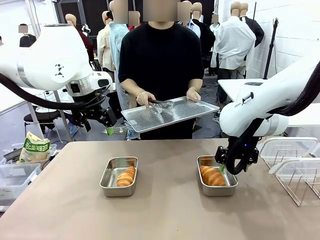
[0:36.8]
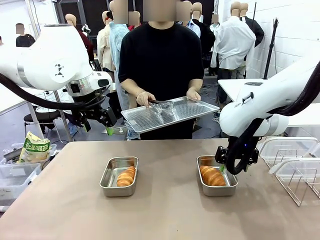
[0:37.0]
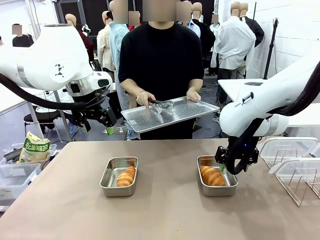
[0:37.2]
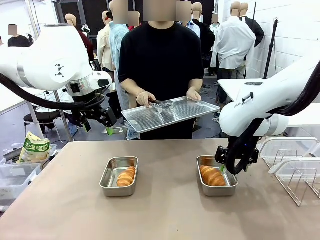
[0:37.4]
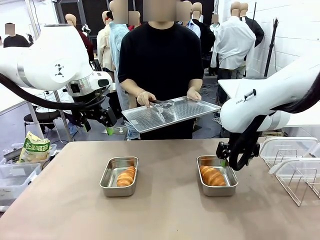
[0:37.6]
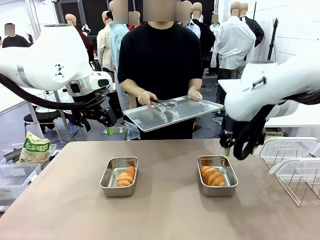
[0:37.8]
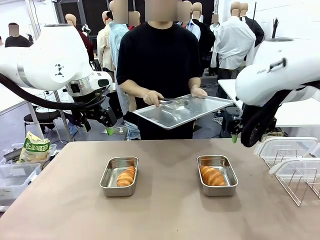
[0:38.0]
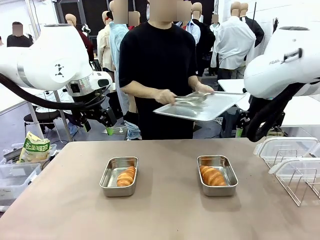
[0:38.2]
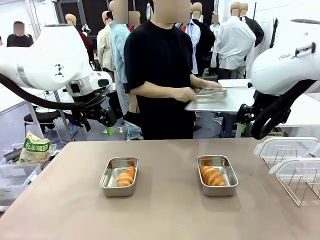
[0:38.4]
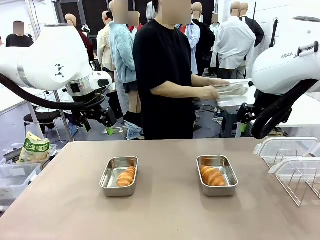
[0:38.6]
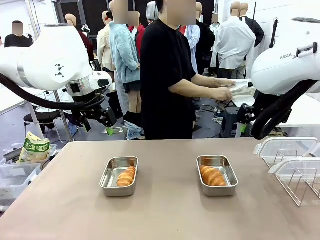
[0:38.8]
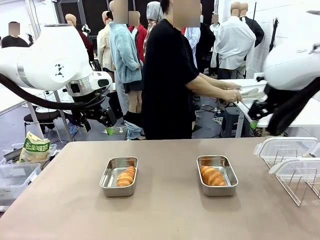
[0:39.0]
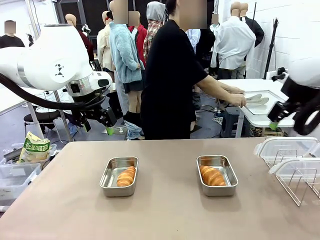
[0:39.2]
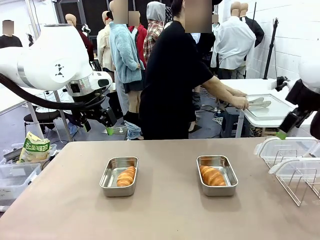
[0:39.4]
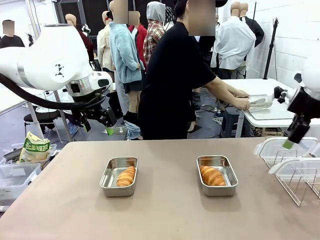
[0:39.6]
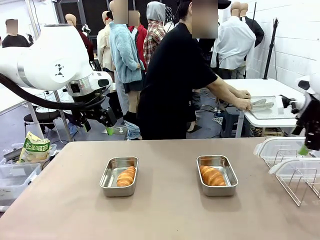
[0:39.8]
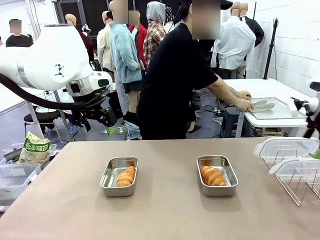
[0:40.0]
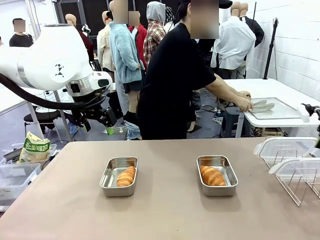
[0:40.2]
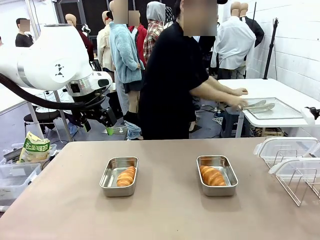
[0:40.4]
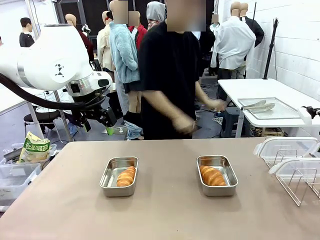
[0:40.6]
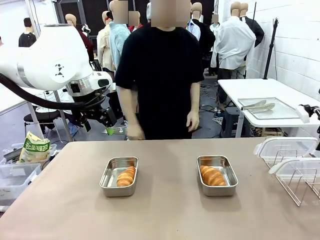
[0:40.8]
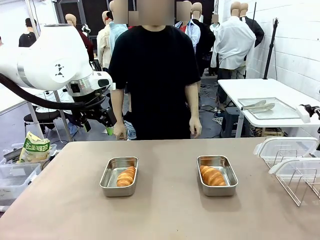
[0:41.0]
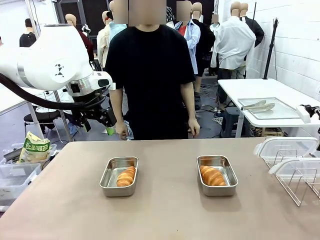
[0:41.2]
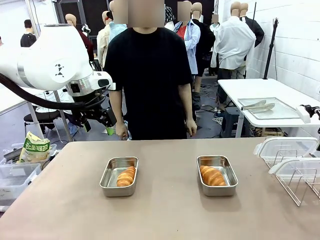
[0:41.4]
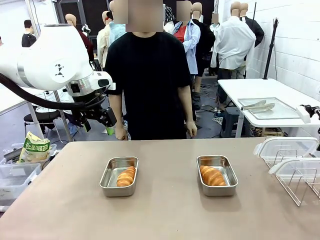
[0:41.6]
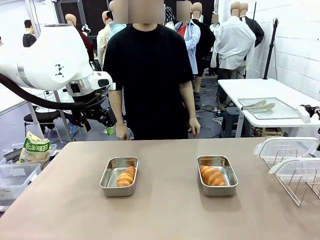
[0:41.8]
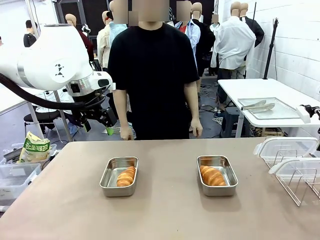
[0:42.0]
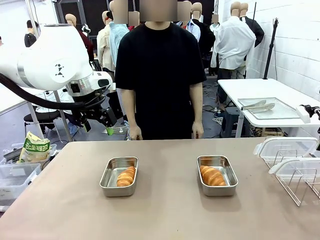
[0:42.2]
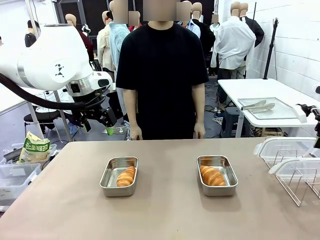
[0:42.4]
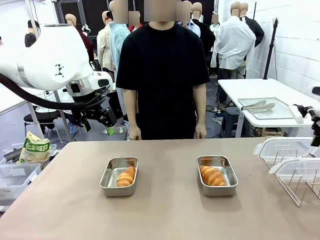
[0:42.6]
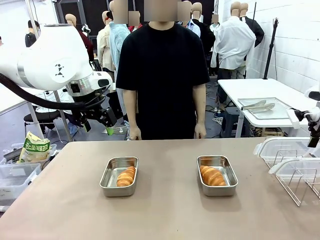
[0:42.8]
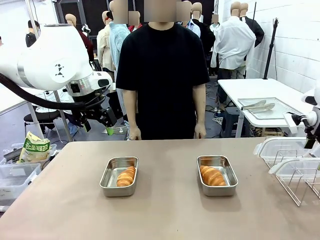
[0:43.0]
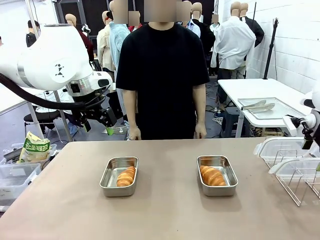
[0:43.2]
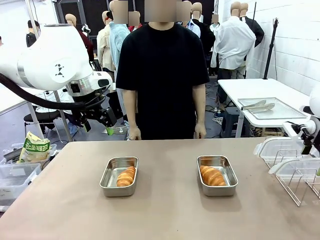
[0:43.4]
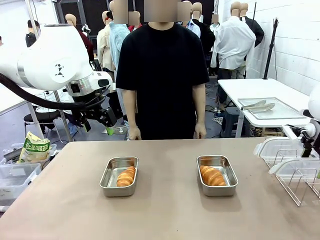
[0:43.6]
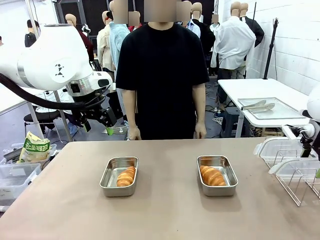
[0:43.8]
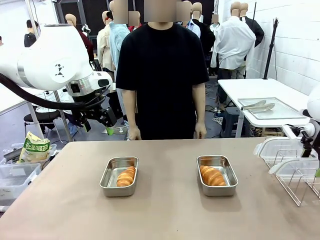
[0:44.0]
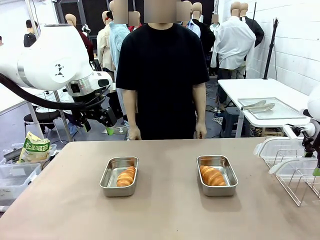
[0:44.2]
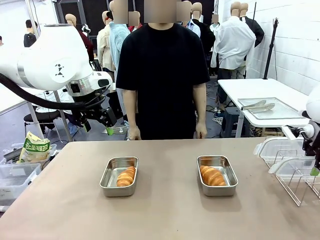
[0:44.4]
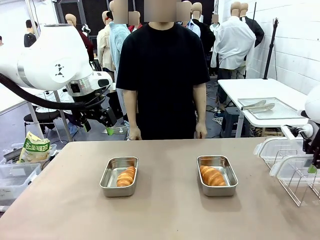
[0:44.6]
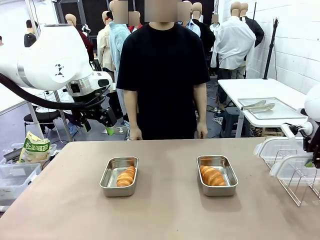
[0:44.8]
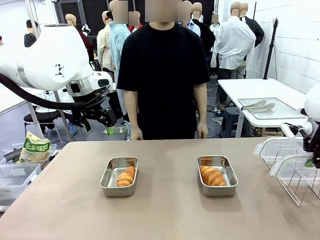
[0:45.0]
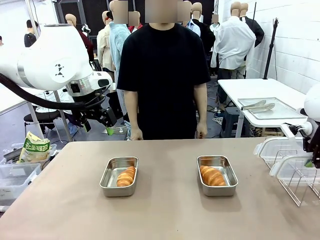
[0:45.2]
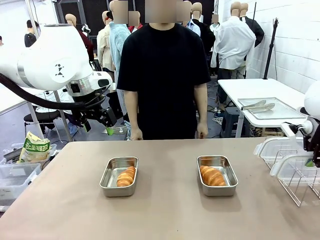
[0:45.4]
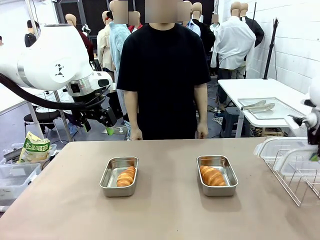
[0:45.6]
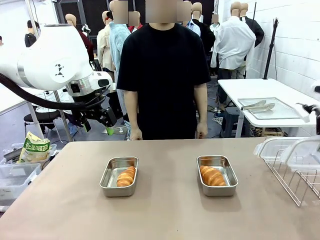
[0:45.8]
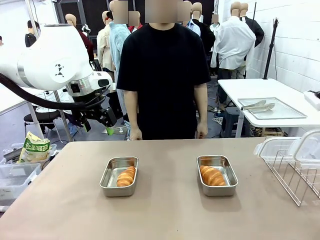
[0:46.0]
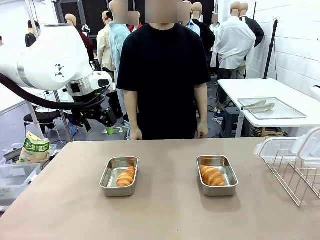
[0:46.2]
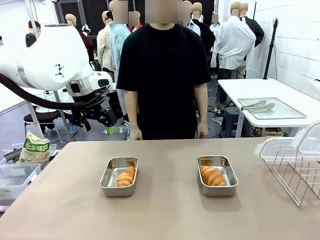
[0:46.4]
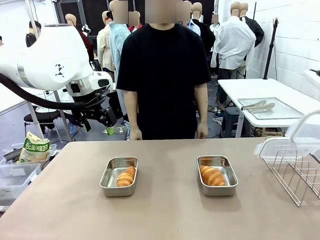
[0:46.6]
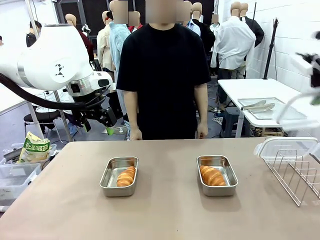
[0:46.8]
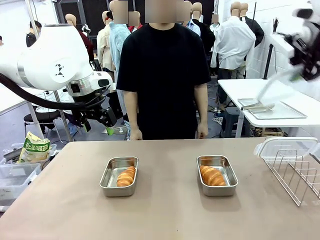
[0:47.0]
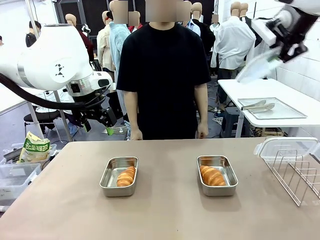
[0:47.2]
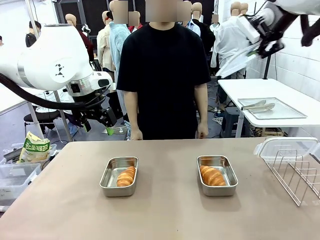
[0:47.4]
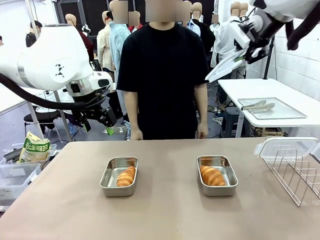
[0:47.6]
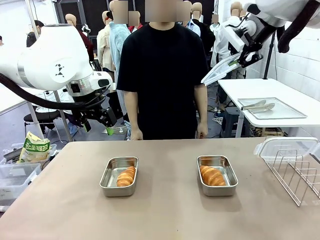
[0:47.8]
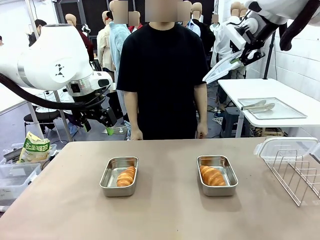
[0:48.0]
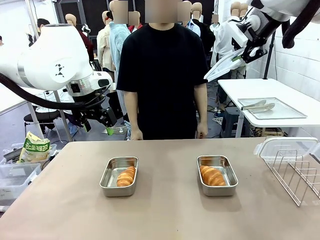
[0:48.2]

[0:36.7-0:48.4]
Task: Place the bread in airtight containers.
Robot: Pick up one Airtight Container lid and hand it to the human.
Person: Place Baking Sheet on the Human's Table. Grip Airtight Container lid that robot is handing.

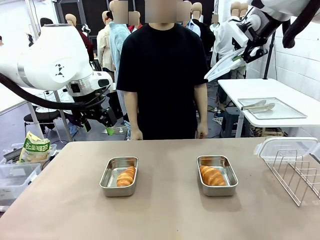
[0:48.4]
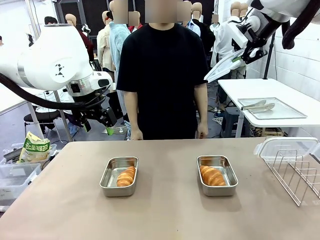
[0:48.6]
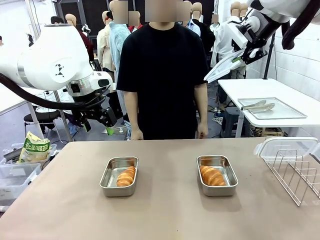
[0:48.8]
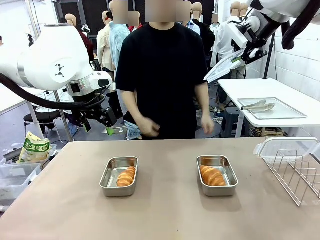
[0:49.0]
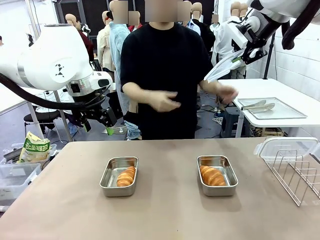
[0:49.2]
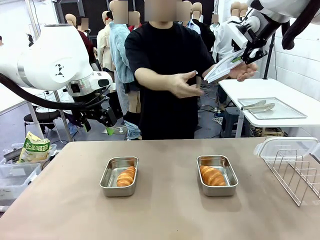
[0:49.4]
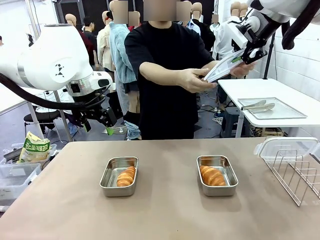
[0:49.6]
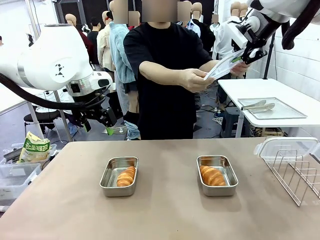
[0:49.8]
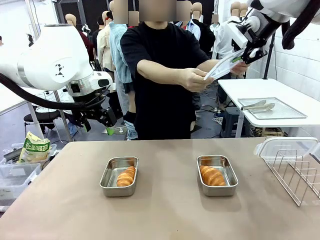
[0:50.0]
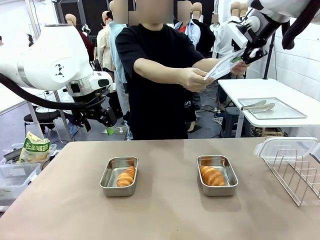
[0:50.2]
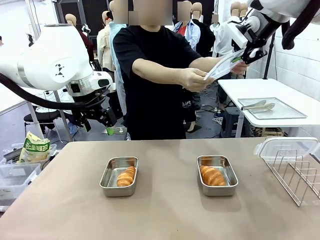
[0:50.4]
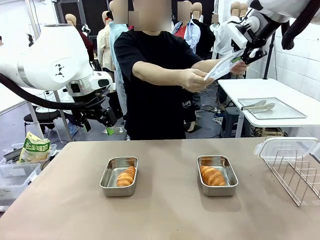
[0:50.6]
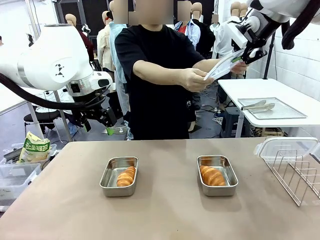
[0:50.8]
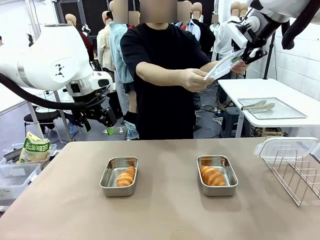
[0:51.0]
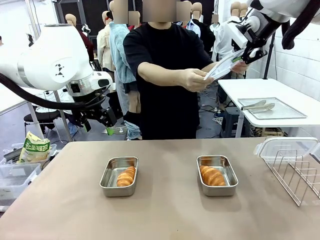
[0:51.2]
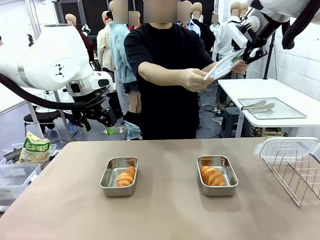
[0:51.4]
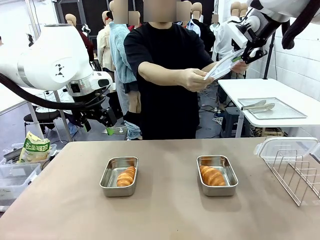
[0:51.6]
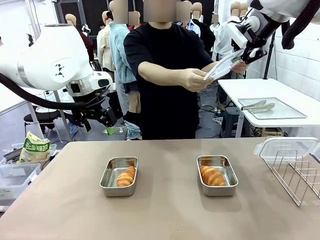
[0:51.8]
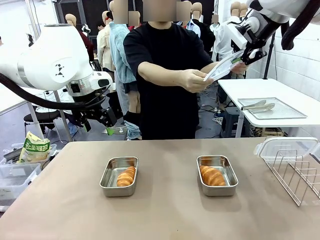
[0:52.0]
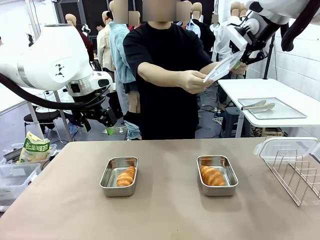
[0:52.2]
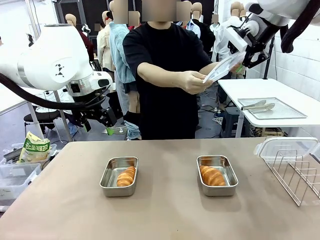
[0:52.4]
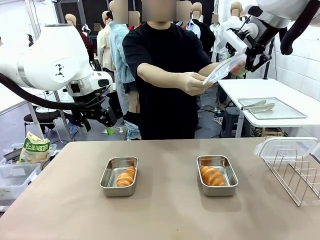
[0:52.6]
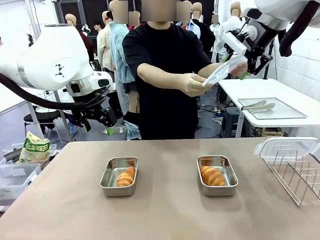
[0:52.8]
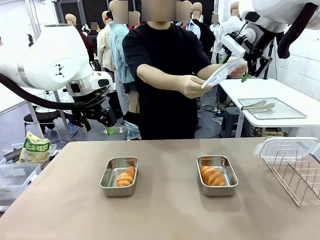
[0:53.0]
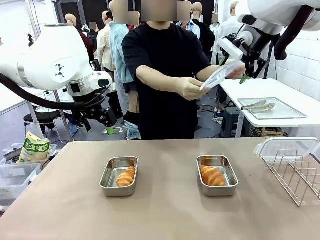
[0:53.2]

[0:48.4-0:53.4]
Robot: Release when the human grabs the Airtight Container lid.

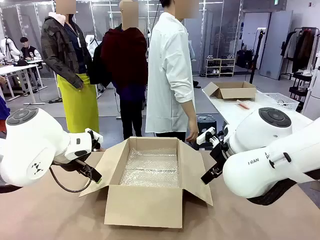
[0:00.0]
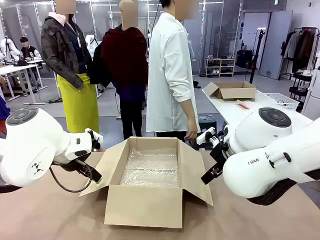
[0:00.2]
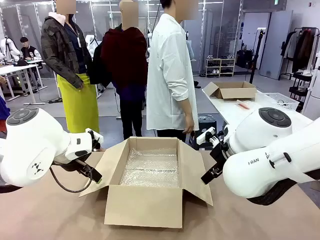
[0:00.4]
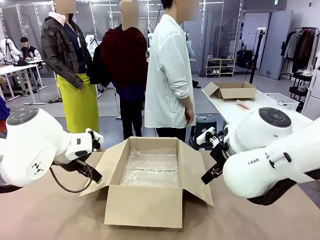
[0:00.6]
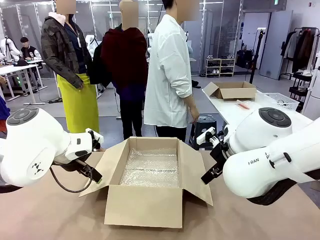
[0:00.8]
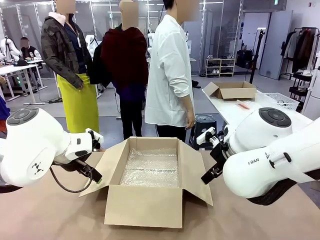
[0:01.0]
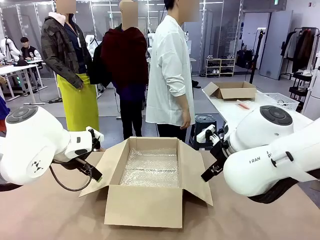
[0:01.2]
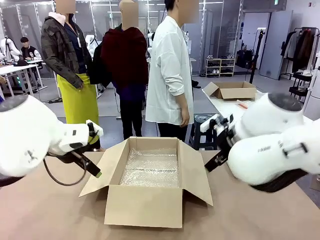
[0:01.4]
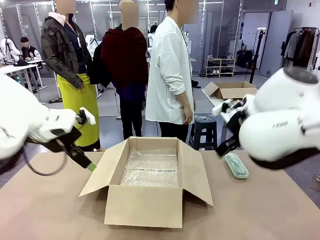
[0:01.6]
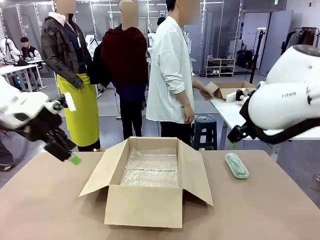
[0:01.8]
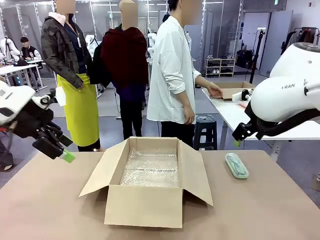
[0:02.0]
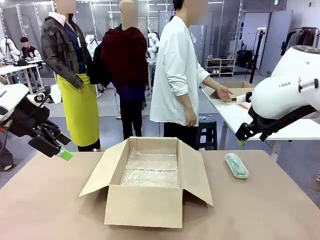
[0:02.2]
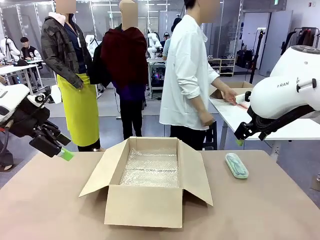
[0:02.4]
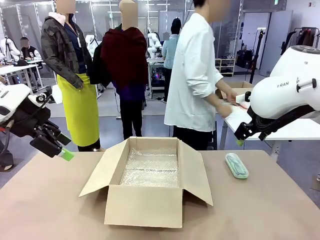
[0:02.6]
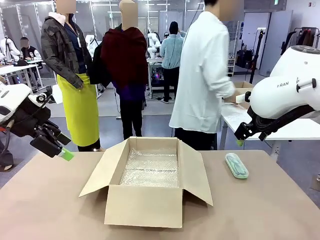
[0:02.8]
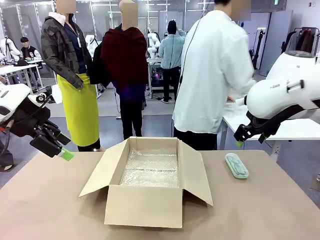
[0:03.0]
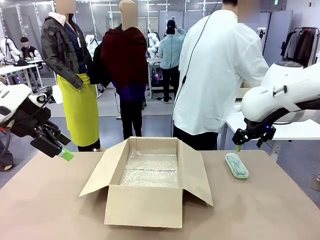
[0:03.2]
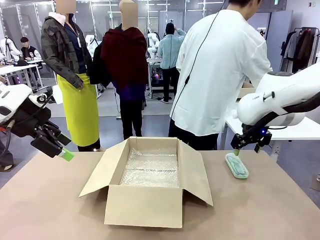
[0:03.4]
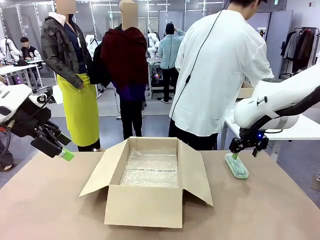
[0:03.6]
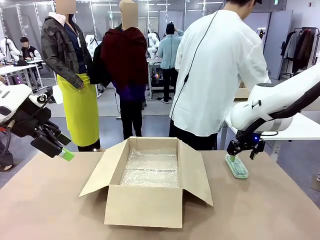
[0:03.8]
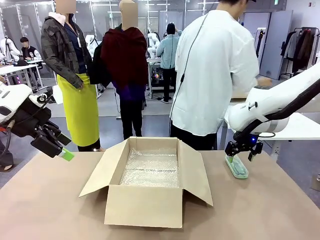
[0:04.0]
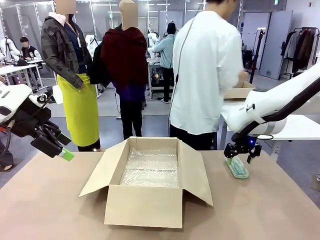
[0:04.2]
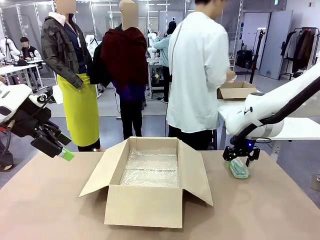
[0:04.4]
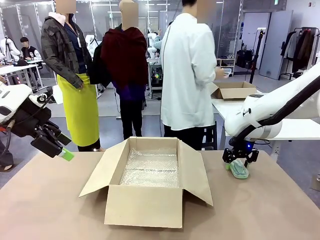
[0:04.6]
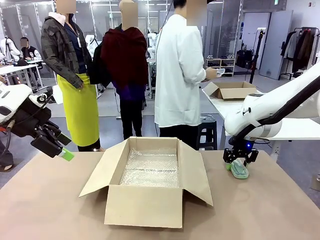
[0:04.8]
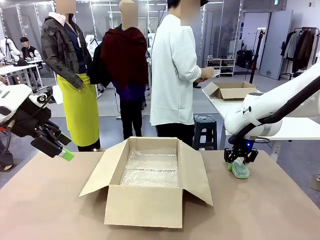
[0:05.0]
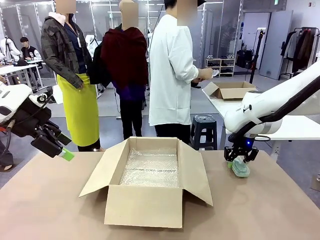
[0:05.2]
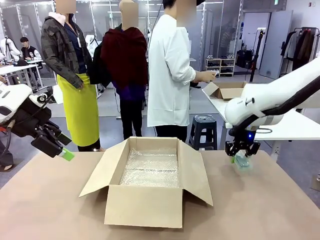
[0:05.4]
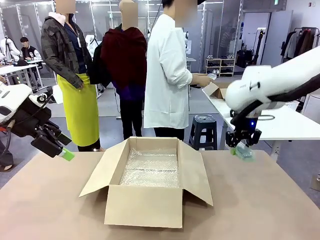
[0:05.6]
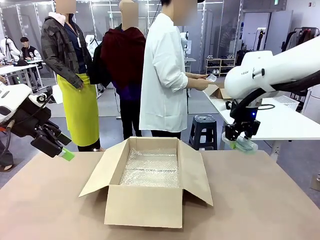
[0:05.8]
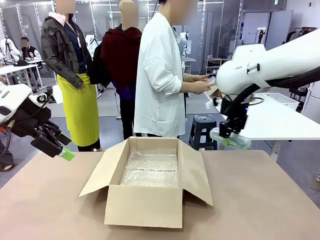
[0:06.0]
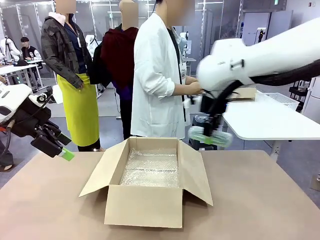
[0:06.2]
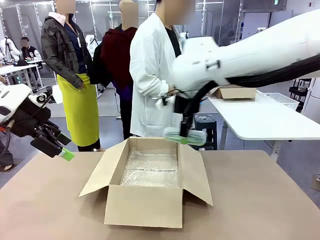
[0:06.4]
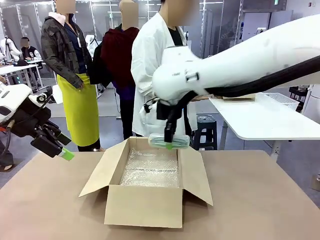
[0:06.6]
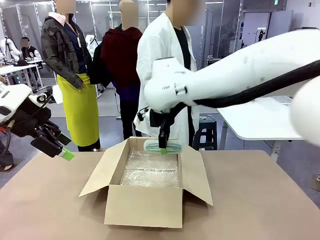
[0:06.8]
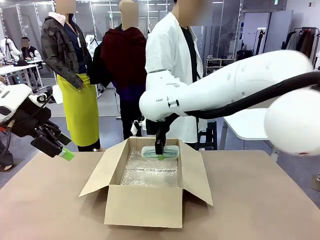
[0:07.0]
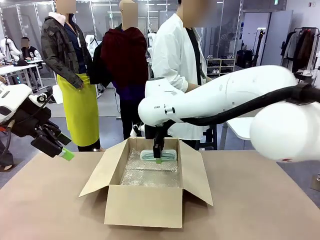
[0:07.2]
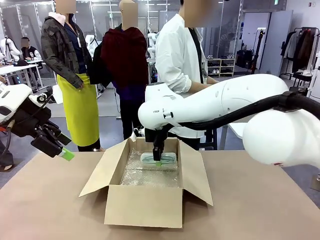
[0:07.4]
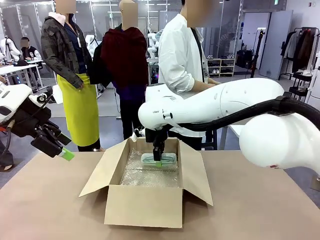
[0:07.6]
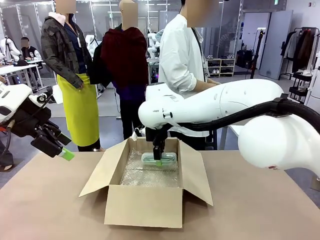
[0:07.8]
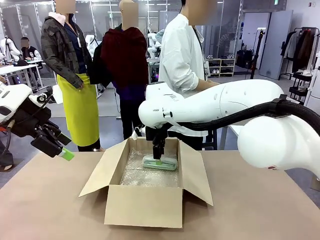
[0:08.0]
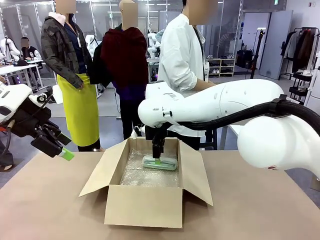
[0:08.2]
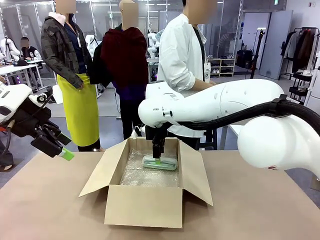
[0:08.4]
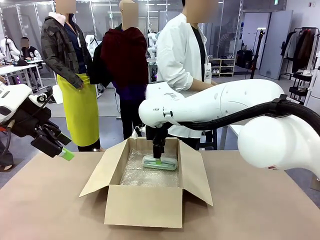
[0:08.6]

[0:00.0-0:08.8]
Task: Pack the glasses set securely to prepare it for shipping.
Robot: Place the Glasses case inside the Package Box.
Person: Place the Glasses inside the Glasses case.
